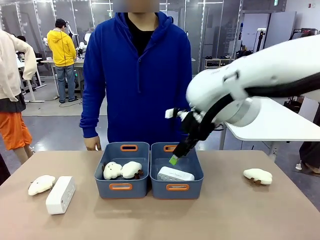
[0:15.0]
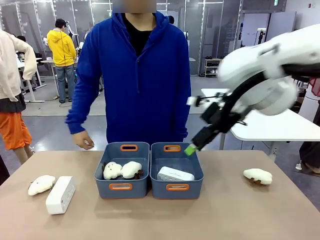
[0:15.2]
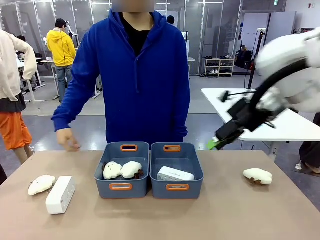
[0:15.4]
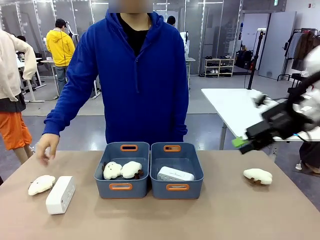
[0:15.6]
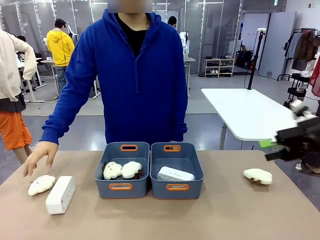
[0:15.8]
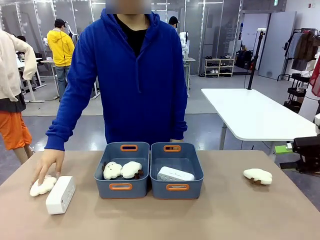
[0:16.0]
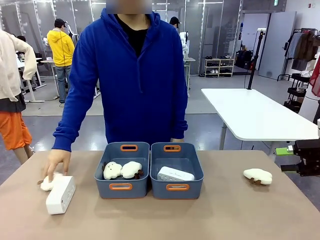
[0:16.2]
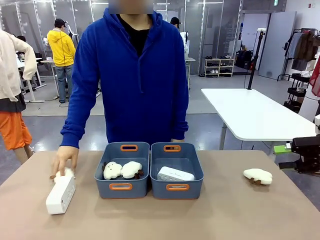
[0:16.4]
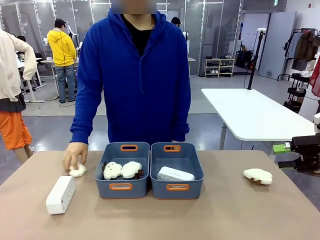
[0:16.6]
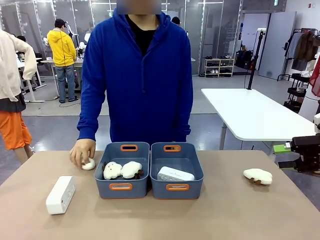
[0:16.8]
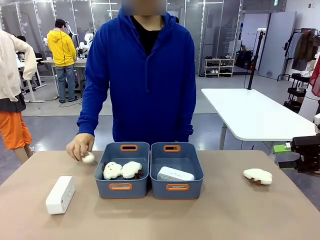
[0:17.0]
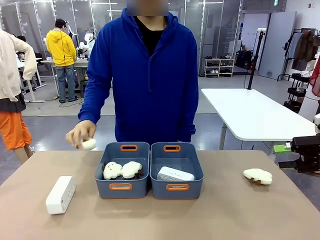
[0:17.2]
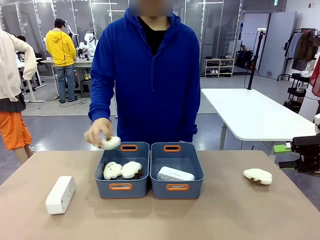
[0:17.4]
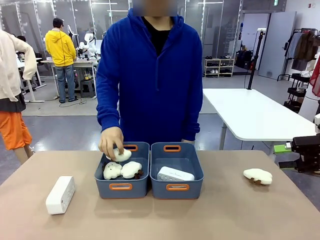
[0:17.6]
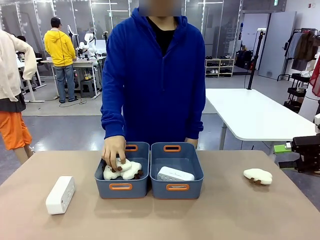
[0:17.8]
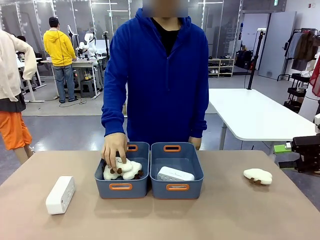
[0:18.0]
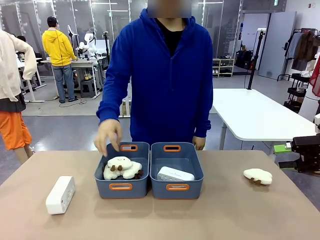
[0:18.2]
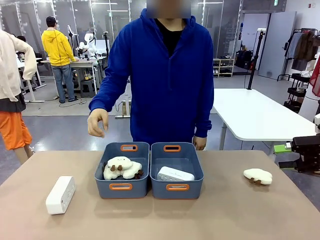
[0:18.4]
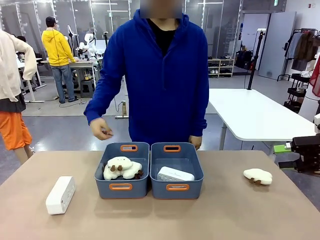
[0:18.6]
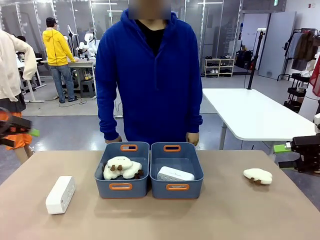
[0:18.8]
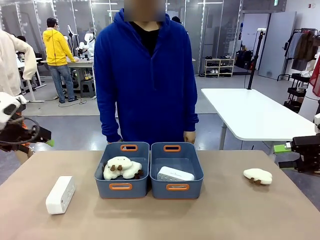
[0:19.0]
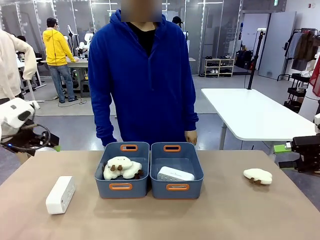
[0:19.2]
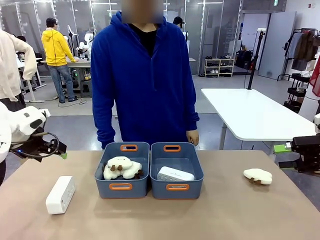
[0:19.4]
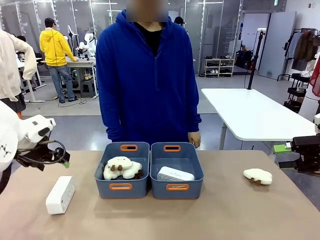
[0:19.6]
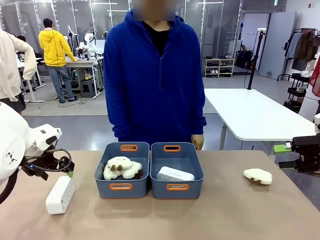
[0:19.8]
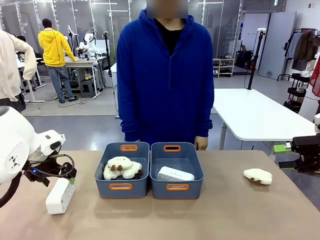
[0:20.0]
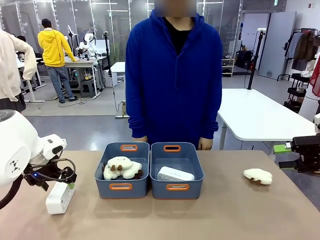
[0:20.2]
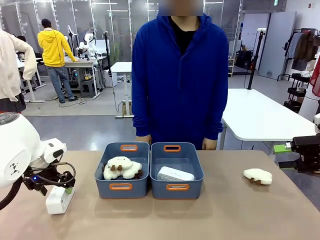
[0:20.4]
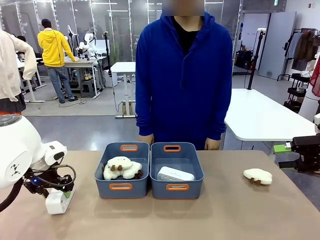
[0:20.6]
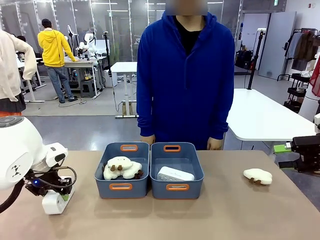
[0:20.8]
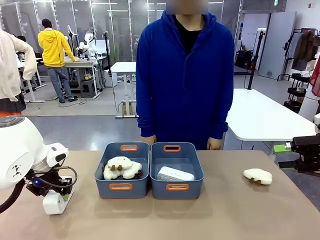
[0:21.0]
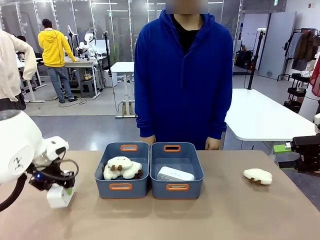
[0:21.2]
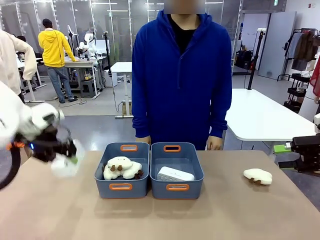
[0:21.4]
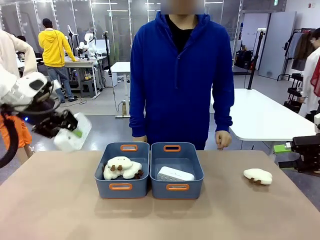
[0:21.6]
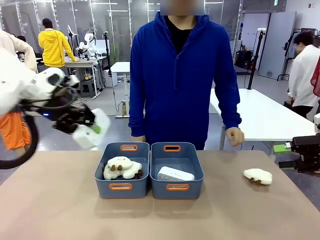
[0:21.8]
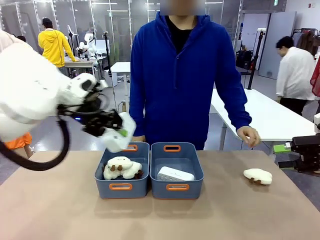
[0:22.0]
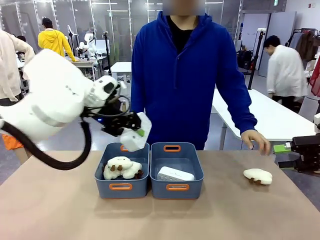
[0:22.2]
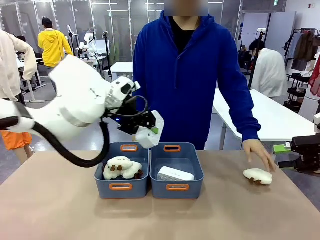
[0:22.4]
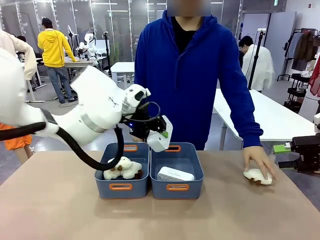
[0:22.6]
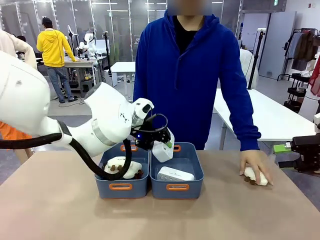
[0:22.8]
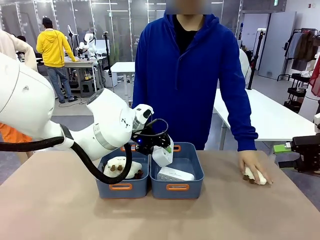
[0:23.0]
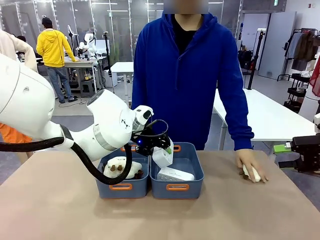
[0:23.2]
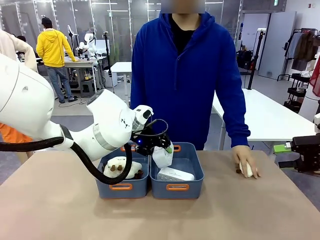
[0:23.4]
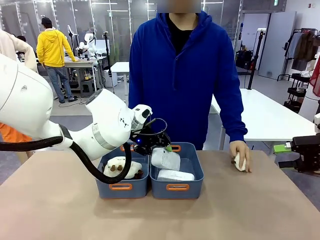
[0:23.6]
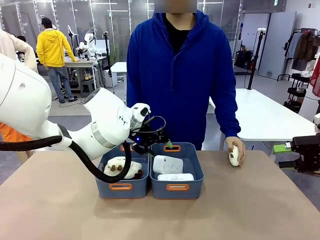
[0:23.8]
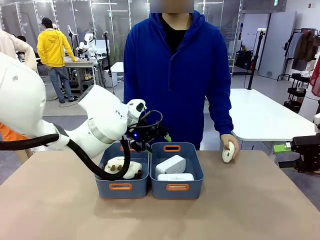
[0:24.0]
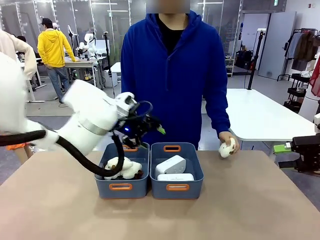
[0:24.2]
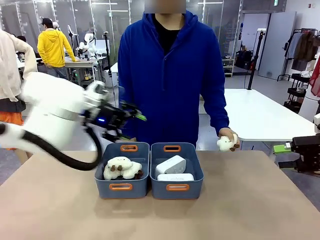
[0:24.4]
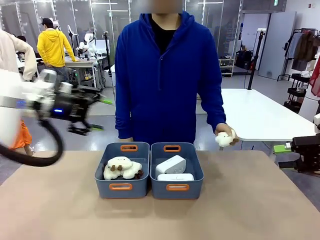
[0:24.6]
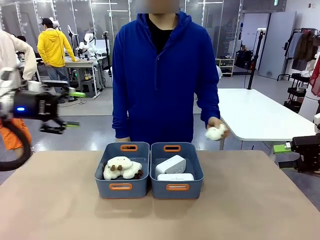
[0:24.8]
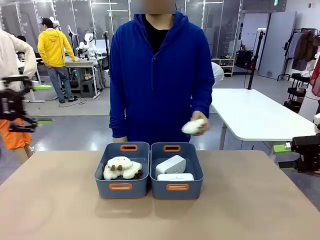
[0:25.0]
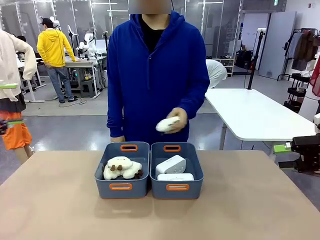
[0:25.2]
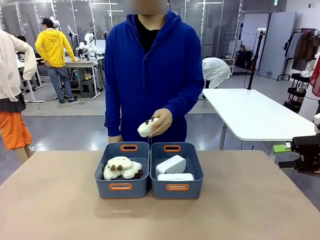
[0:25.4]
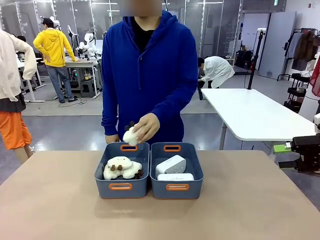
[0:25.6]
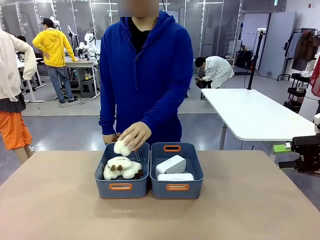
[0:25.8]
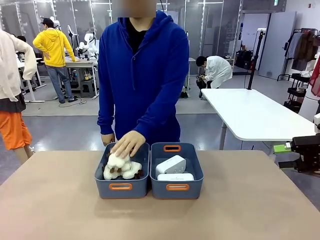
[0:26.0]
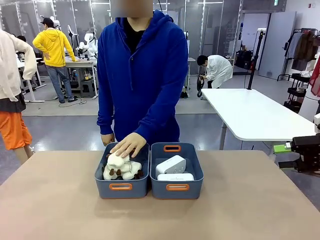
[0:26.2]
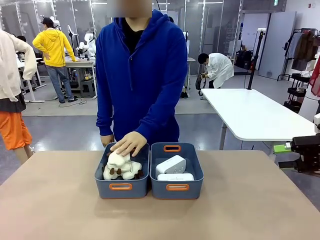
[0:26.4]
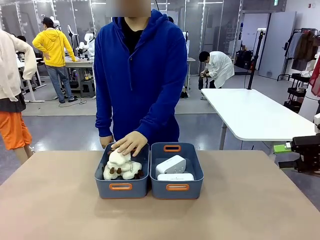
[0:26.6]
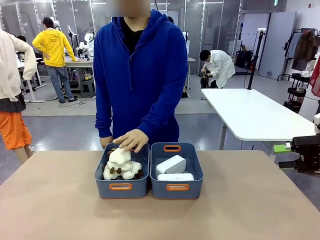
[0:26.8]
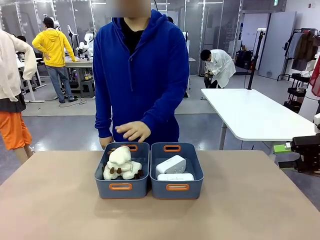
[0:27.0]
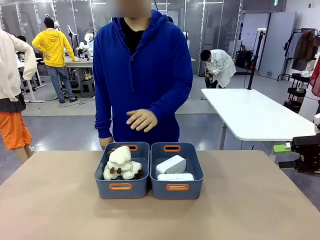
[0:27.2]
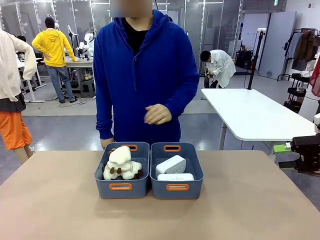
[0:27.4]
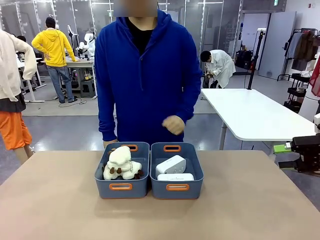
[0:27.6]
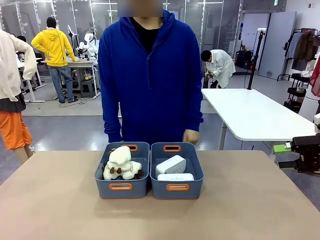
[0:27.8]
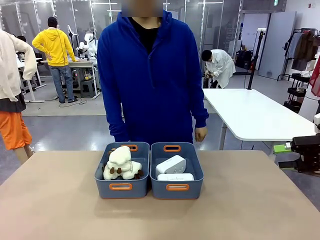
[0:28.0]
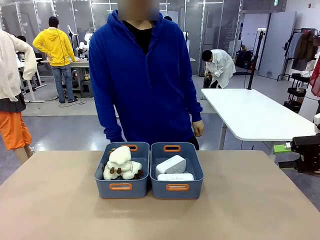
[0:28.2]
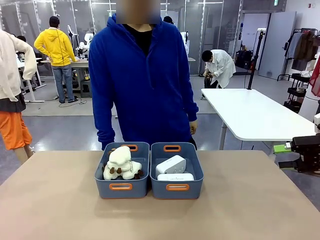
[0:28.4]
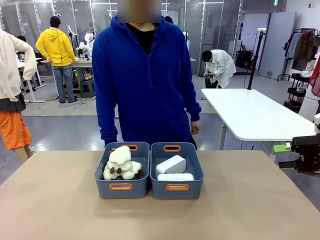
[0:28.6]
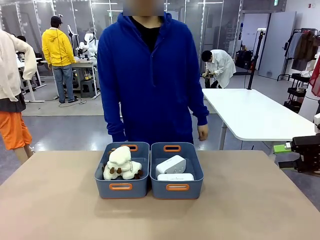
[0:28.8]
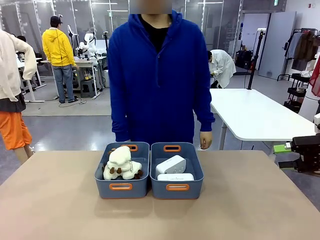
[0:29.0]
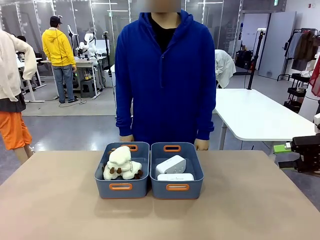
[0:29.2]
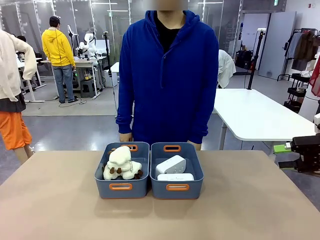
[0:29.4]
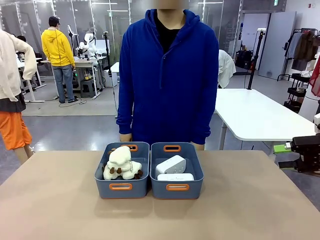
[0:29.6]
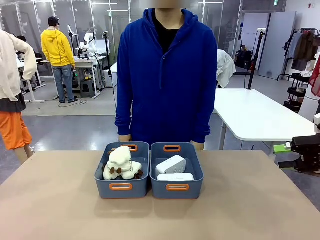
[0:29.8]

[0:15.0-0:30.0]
Task: Sort the digital clocks into the basket.
Robot: Pick up the Digital clock from the table and place it into the empty Plastic storage basket.
Person: Pick up a plush toy from the table and place it in the plastic storage basket containing the plush toy.
